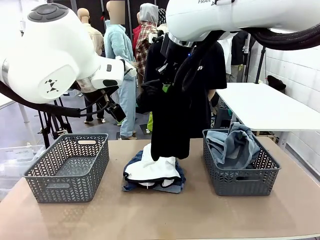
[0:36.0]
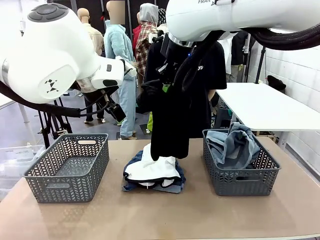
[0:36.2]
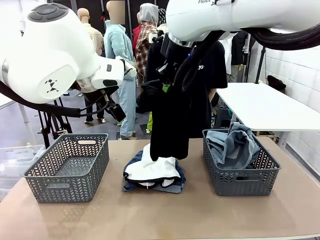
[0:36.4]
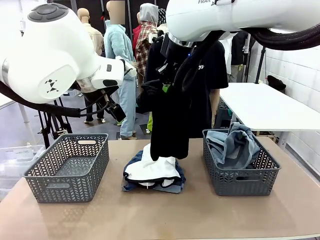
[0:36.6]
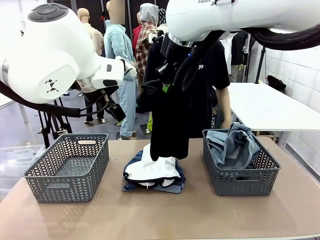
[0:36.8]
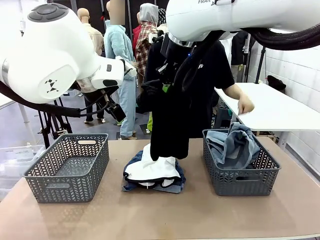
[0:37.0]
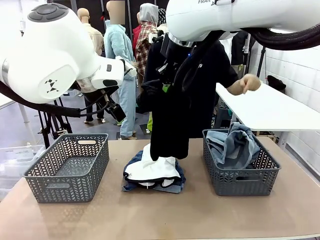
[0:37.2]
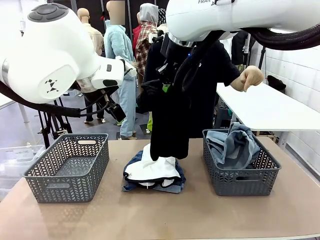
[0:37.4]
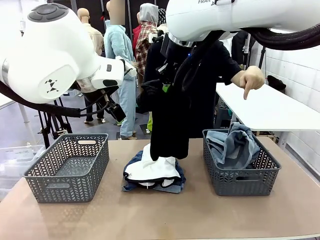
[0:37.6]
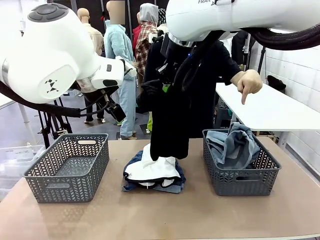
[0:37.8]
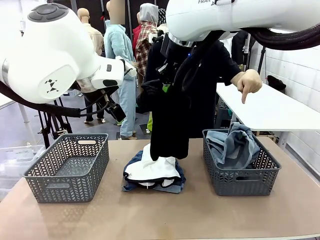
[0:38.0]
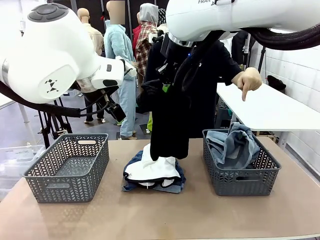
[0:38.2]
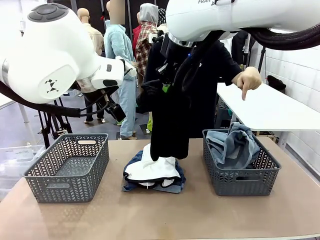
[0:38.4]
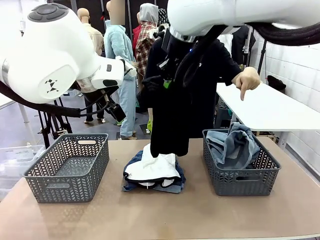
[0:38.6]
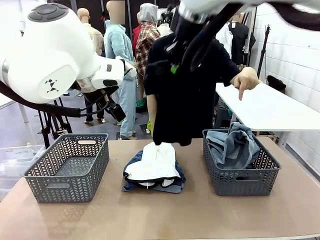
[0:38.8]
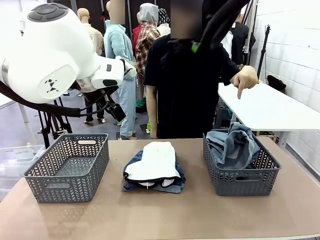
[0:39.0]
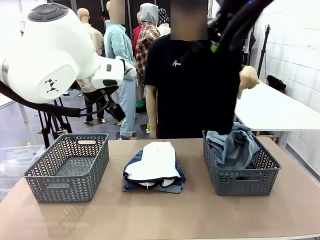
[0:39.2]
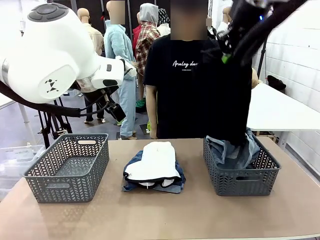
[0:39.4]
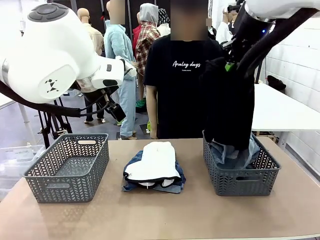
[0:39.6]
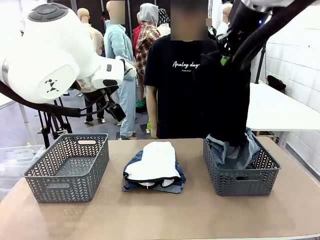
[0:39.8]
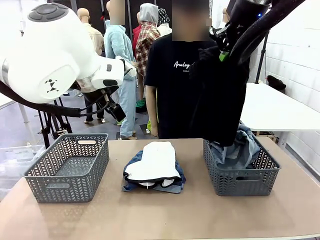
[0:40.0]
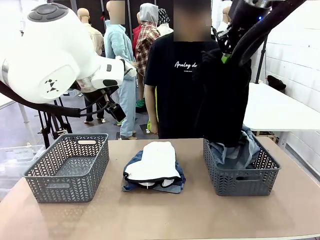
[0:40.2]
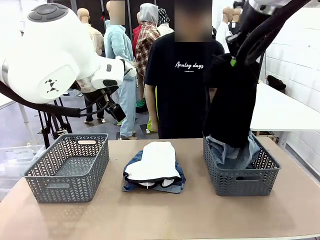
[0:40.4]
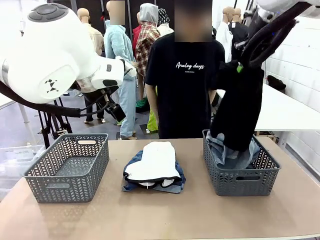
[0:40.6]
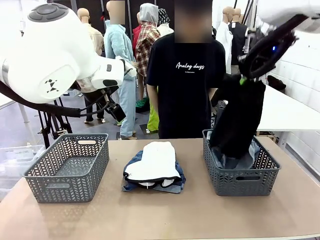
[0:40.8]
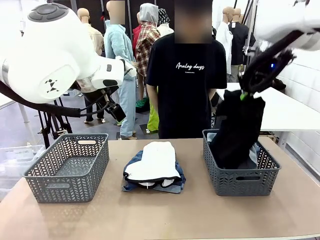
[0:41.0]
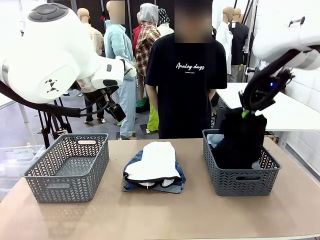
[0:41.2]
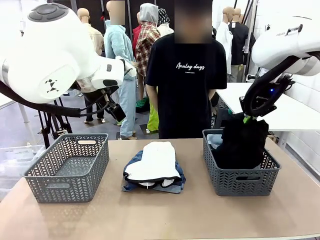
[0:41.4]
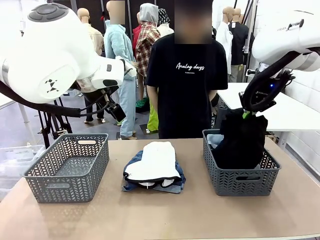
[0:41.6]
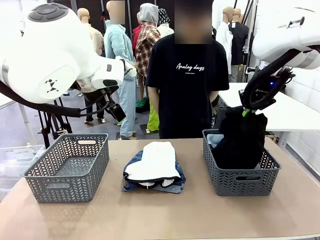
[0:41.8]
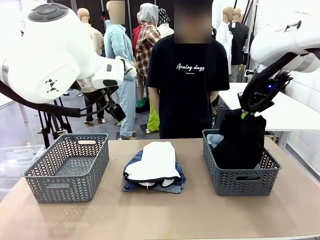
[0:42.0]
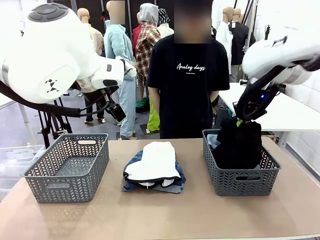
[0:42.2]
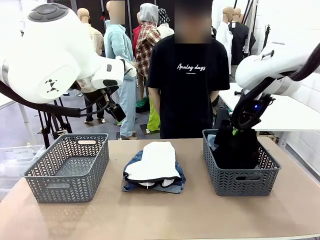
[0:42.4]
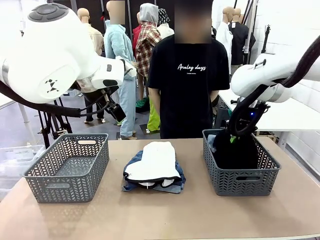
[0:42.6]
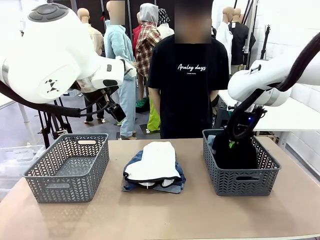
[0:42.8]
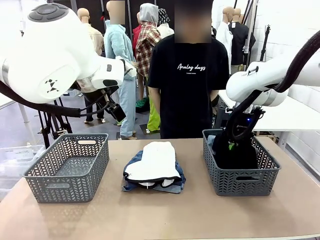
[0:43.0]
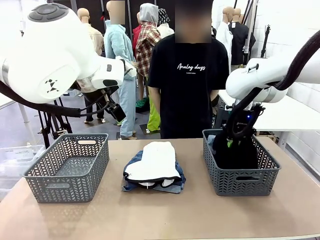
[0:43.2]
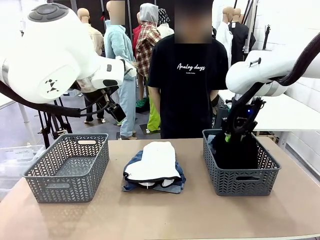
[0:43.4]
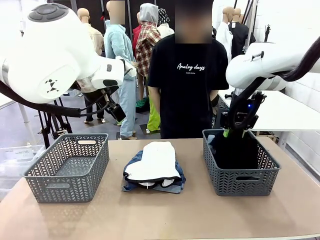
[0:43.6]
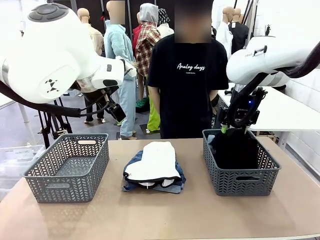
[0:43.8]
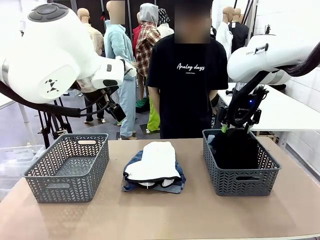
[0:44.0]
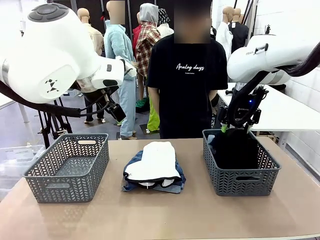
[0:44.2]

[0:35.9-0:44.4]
Task: Sort the tops and bottoms.
Robot: Sort the clothes according to human instructions.

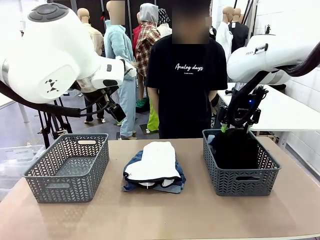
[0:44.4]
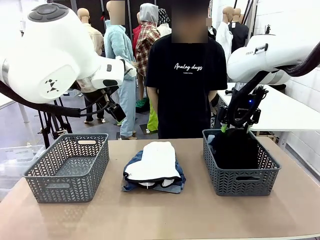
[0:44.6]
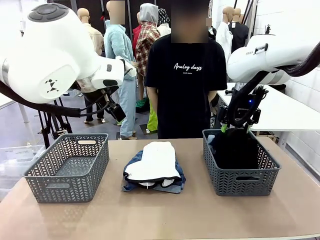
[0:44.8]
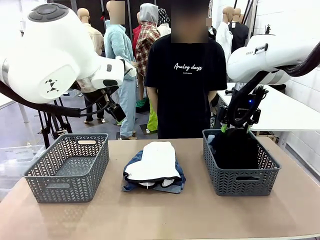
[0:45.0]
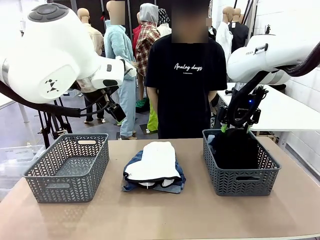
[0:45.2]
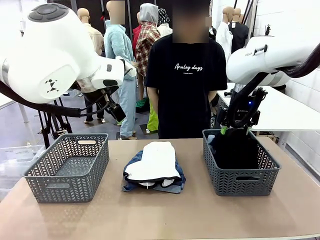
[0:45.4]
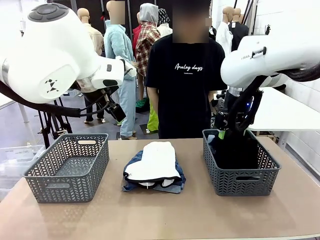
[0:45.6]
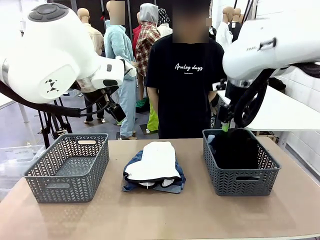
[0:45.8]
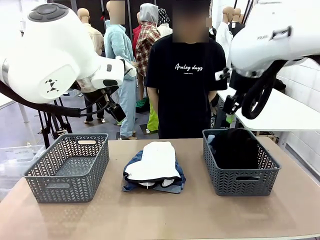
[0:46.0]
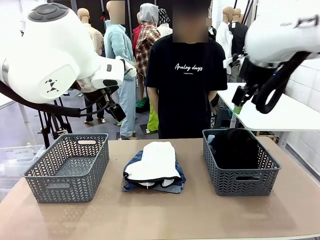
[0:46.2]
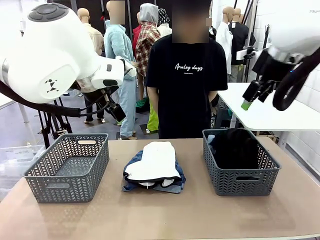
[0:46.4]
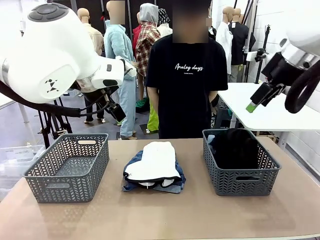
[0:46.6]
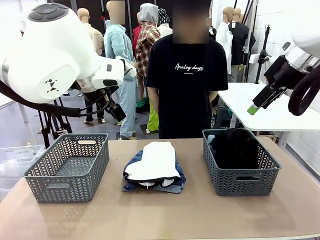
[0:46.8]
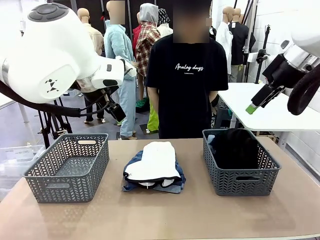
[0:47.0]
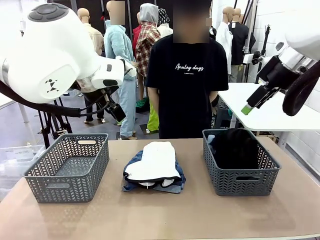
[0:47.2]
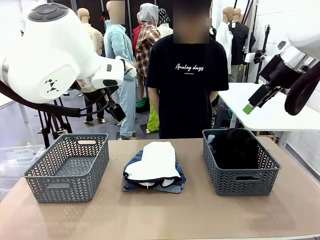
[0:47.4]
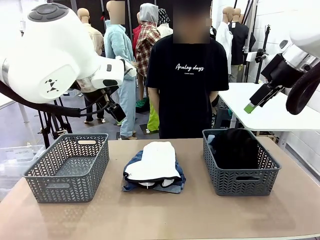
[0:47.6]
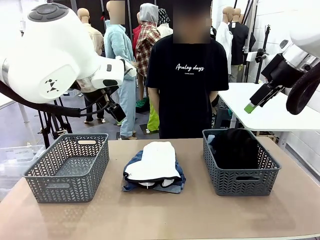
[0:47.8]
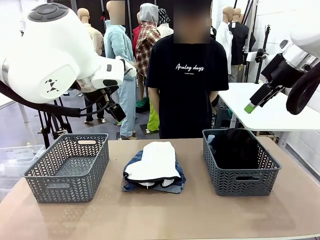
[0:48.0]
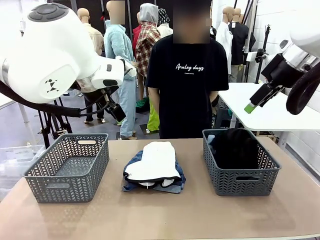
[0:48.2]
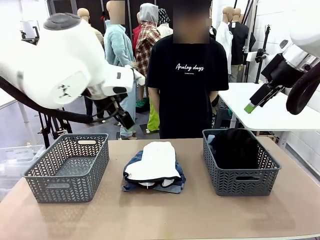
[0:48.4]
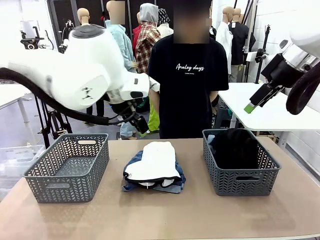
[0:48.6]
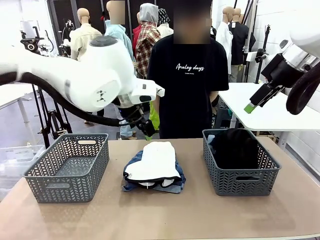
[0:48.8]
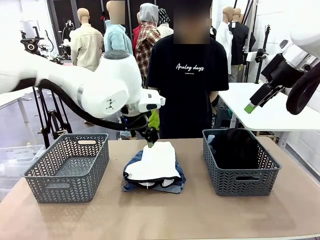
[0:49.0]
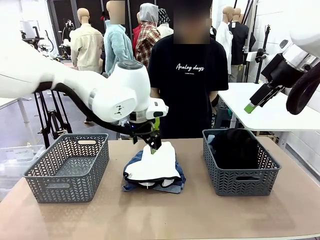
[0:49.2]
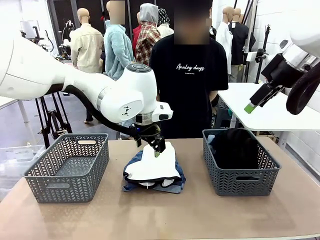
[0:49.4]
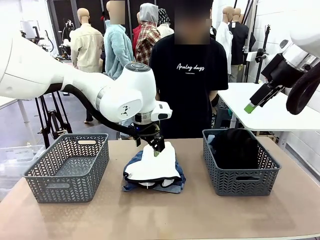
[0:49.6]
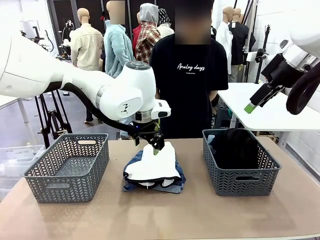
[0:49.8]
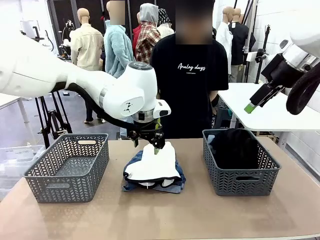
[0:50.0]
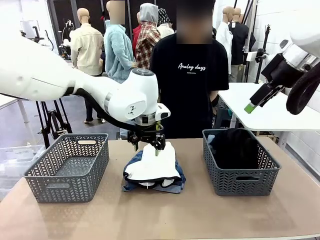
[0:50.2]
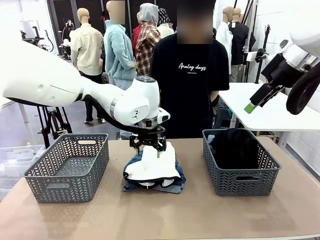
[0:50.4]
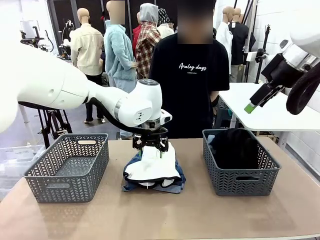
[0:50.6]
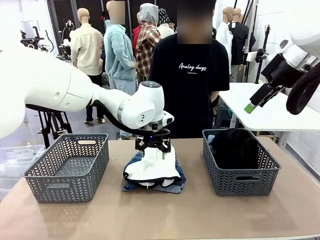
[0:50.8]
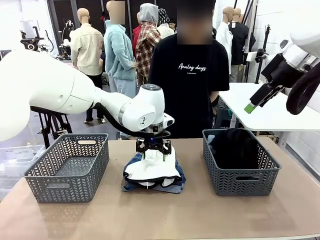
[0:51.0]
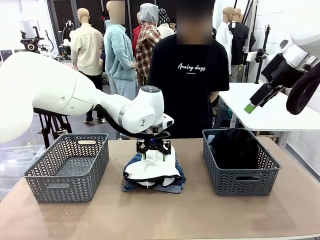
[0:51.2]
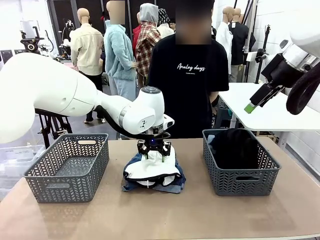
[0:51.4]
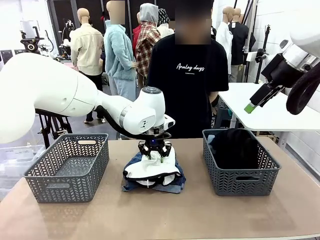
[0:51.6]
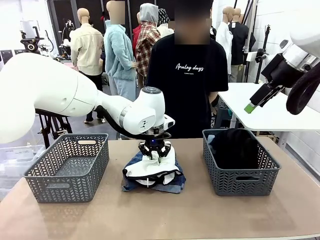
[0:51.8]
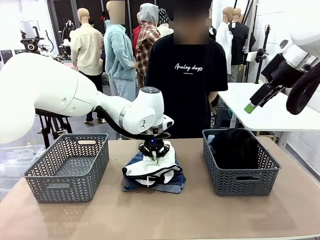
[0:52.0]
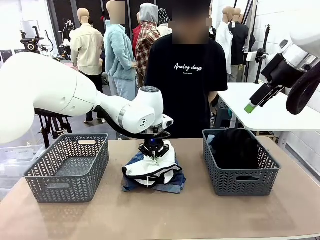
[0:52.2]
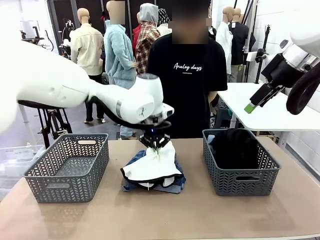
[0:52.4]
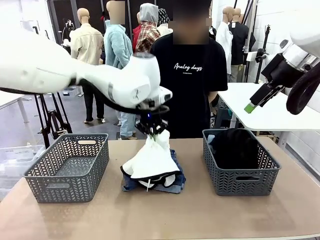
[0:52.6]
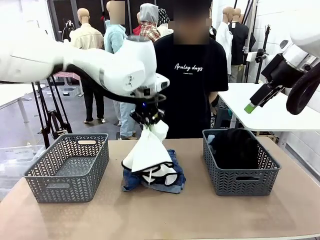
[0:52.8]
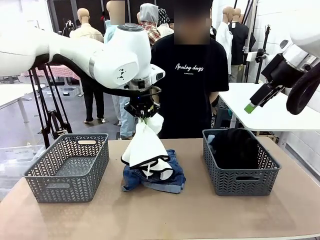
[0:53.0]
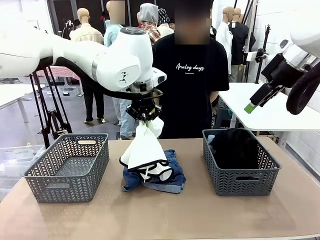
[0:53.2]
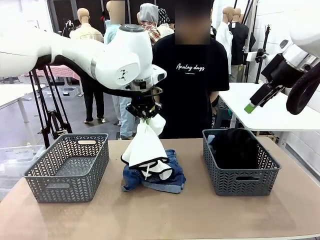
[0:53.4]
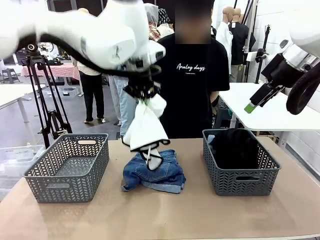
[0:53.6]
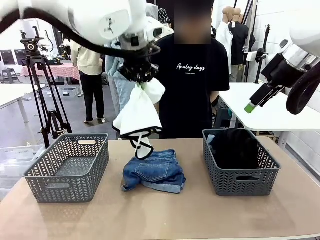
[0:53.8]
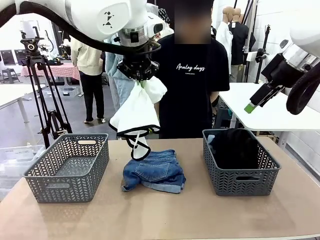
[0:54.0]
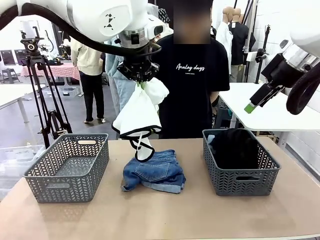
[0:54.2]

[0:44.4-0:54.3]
Robot: Lift clothes from the center of the table with your left hand.
